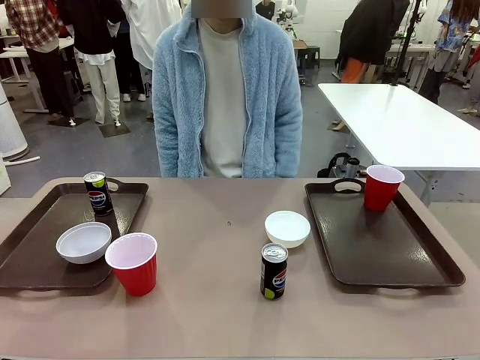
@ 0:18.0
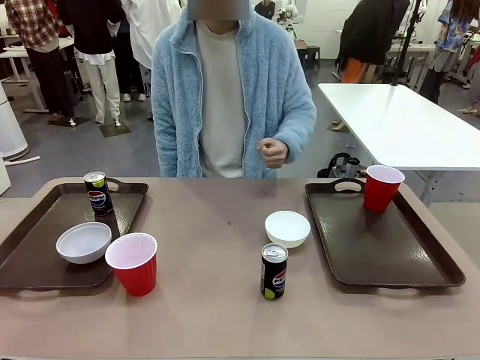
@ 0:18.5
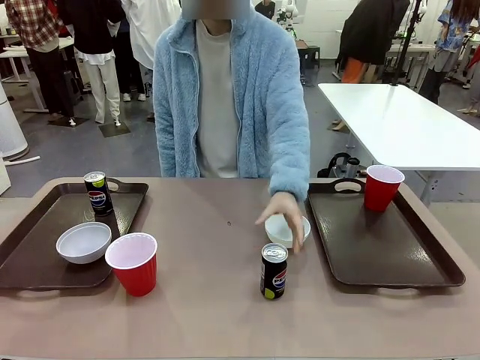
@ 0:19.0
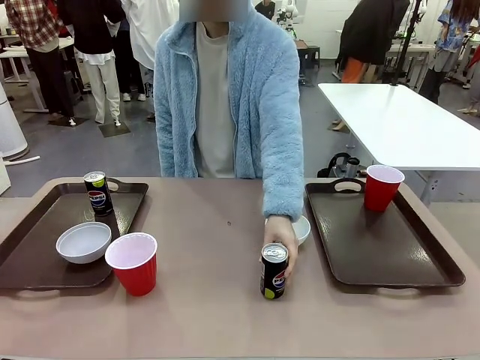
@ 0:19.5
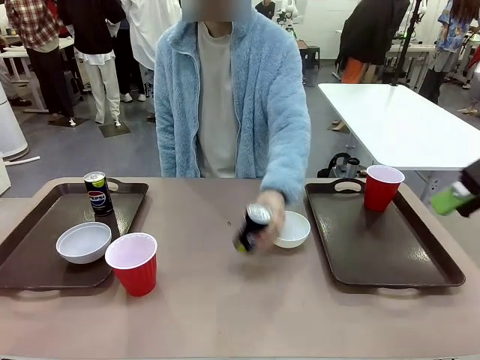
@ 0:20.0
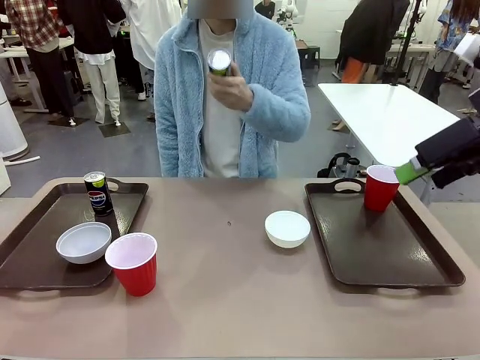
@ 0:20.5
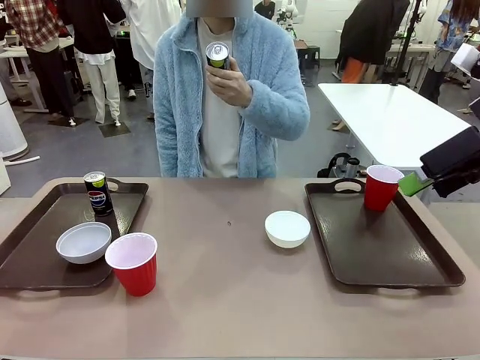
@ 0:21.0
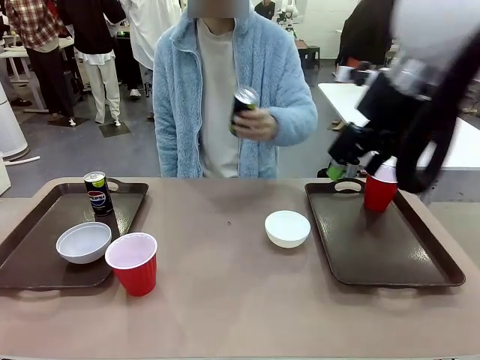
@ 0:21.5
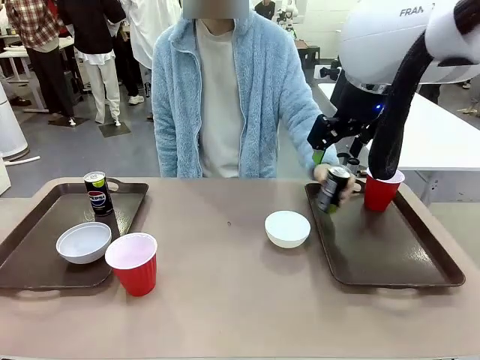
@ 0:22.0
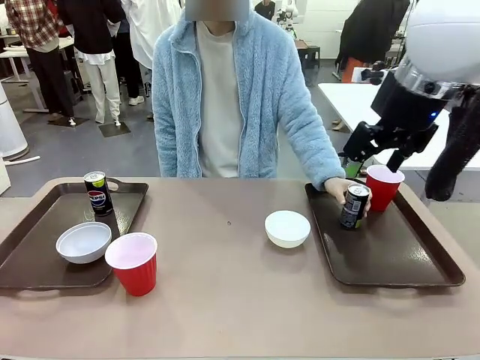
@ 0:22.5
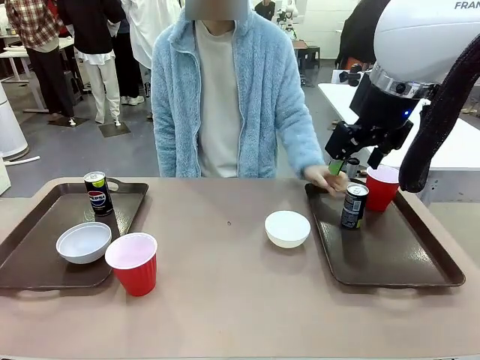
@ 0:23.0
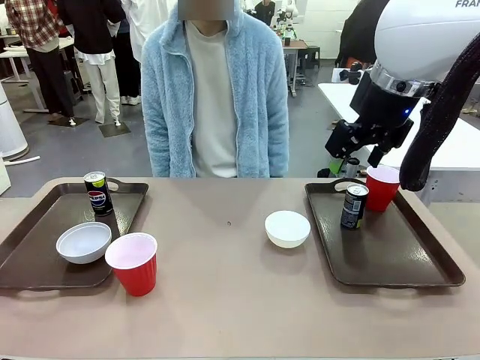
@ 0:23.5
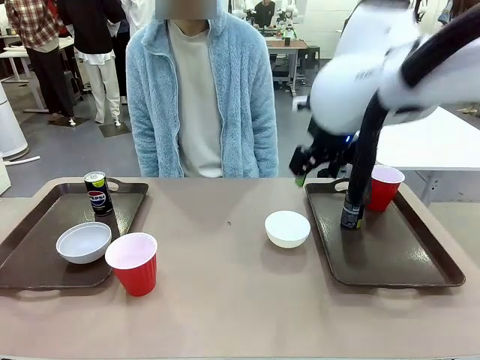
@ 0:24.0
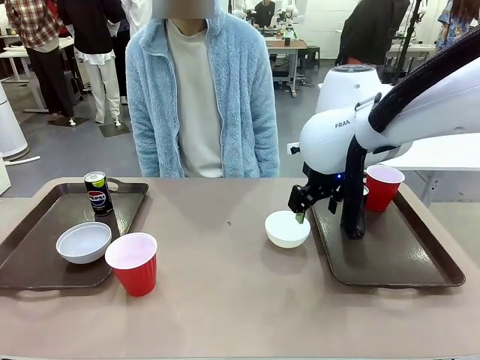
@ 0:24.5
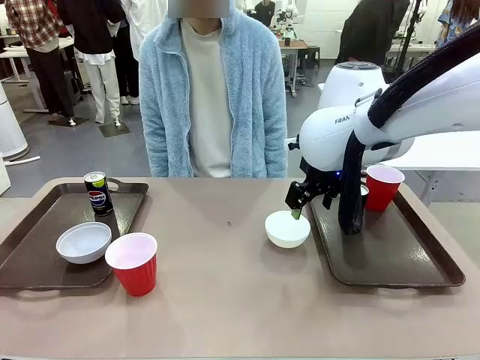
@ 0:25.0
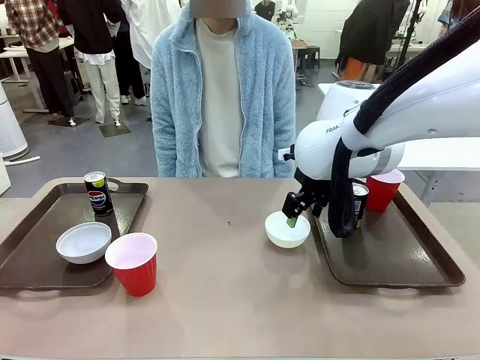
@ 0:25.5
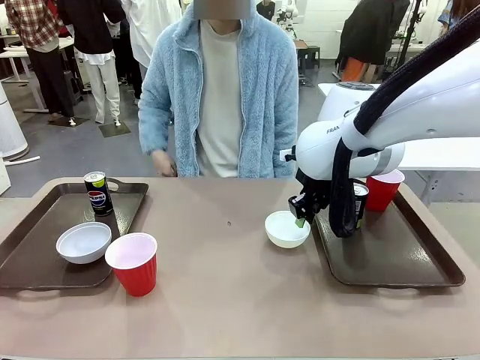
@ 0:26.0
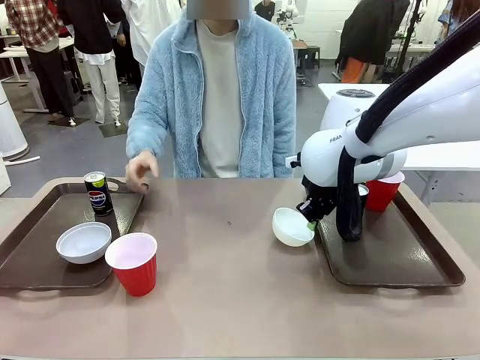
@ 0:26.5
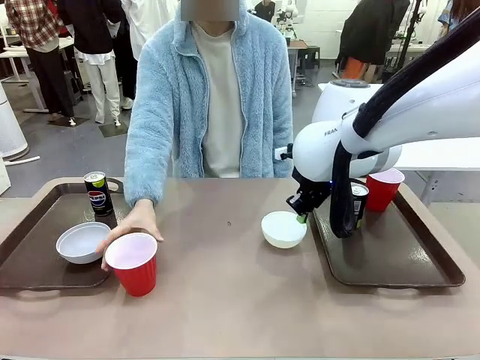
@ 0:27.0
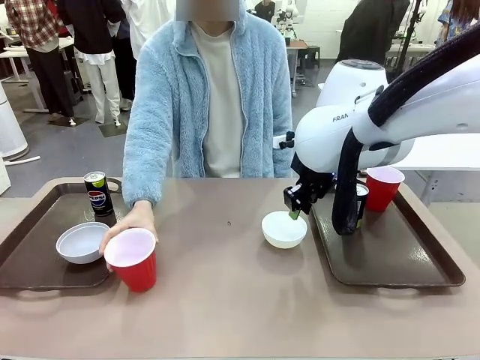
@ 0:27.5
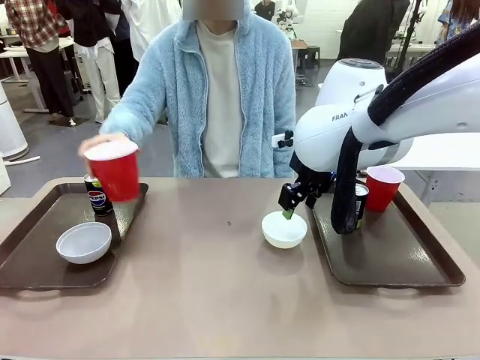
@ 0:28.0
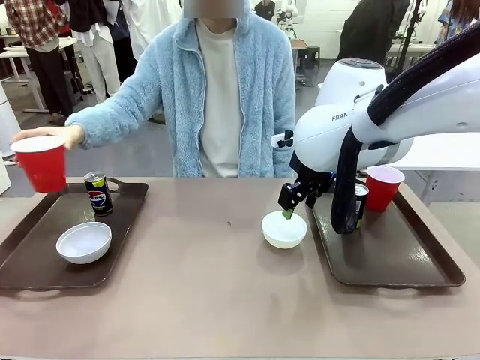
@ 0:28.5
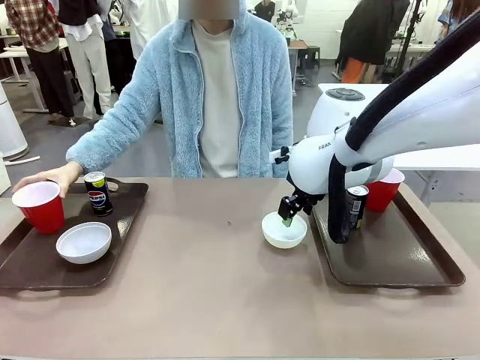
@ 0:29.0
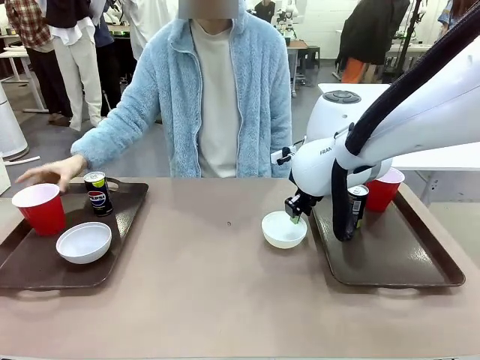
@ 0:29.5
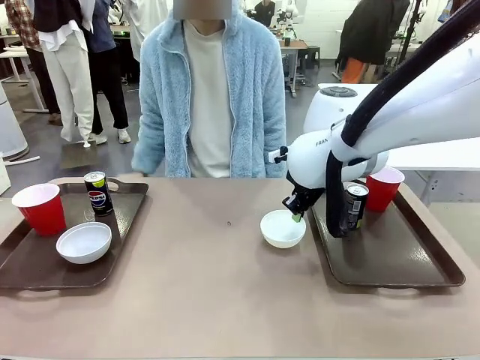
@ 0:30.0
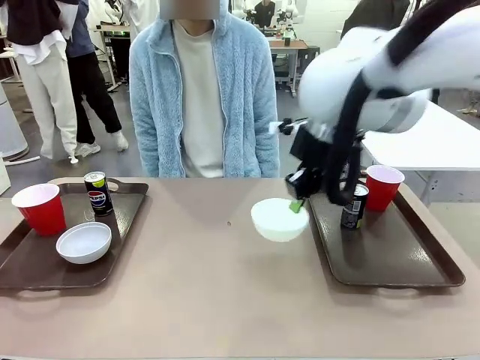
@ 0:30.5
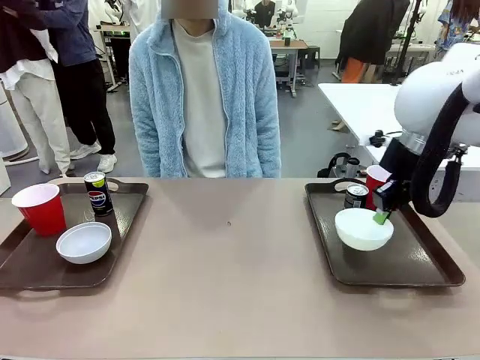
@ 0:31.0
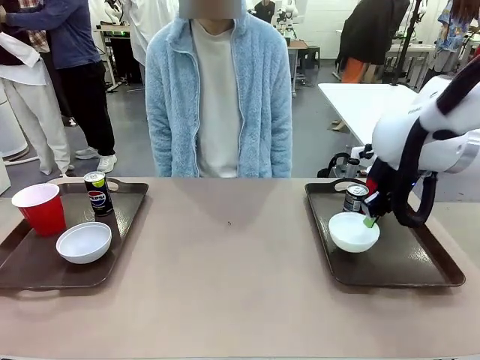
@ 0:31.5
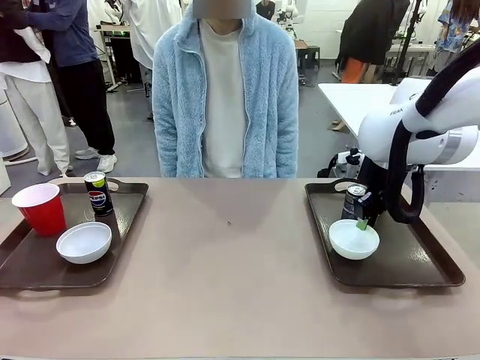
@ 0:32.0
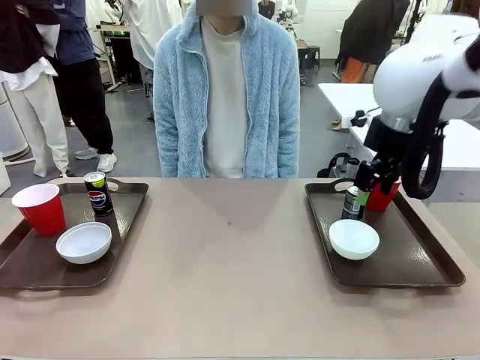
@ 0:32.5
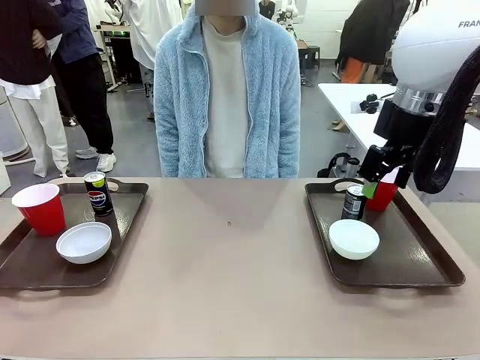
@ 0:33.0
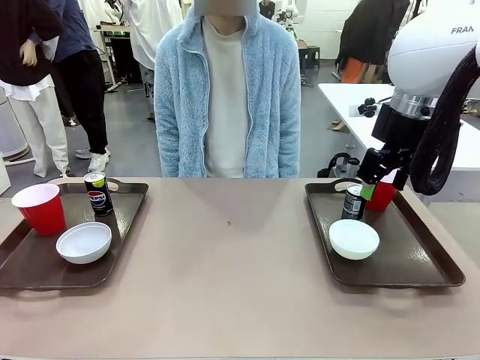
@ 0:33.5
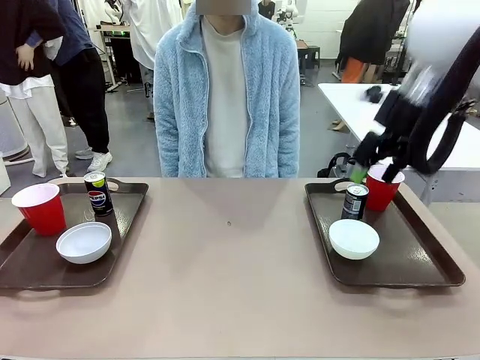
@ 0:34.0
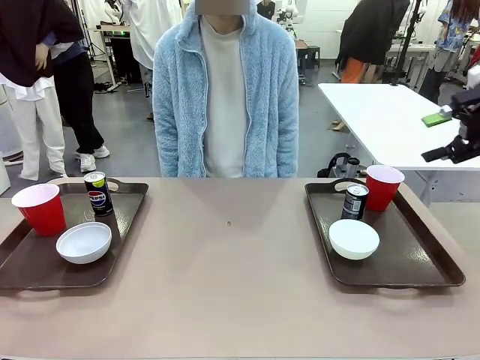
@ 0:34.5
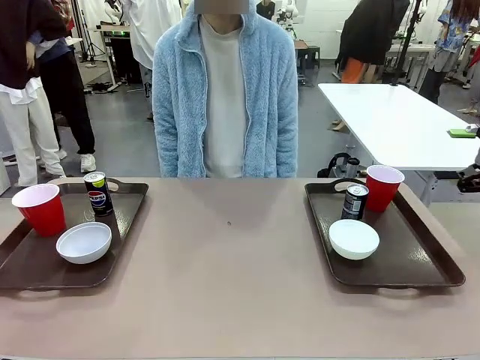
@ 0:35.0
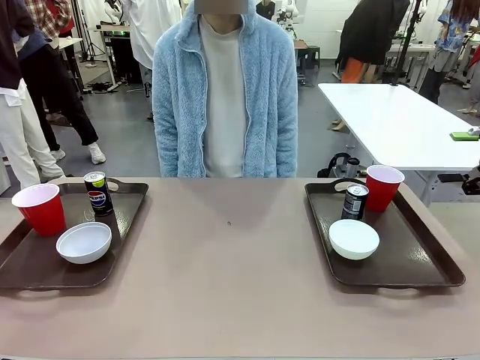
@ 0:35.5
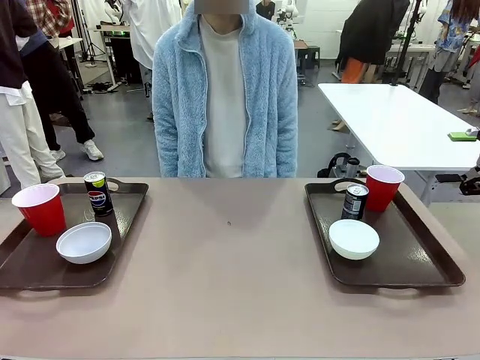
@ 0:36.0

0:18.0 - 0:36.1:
Task: Prepare tableware on both trays.
Robot: Pick up a Picnic Bowl from the table and place it on a Handle tray.
Person: Pick up a can or cup and place it on the tray without a can or cup.
